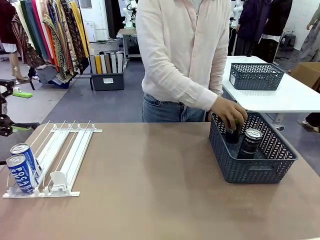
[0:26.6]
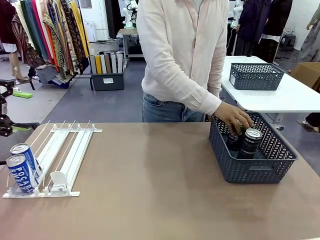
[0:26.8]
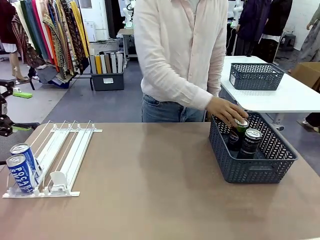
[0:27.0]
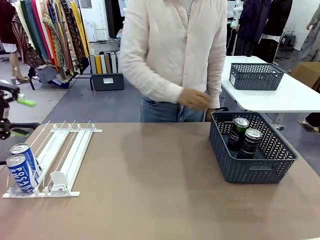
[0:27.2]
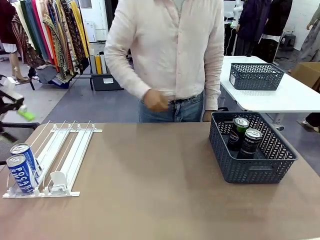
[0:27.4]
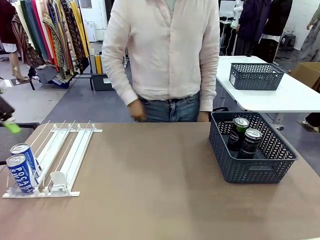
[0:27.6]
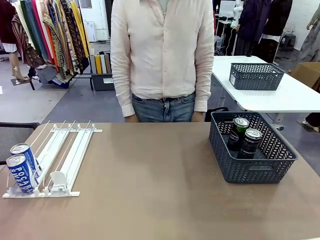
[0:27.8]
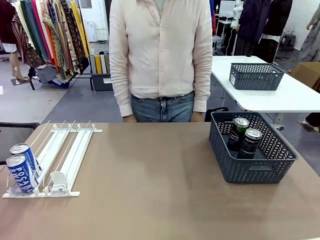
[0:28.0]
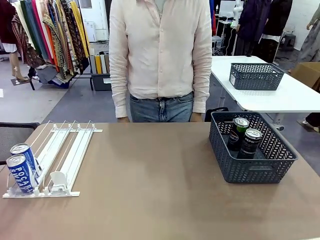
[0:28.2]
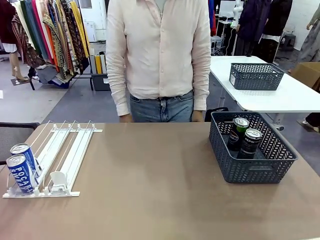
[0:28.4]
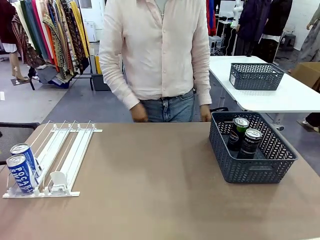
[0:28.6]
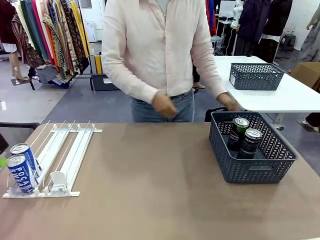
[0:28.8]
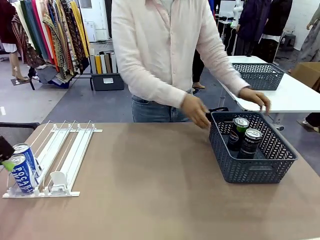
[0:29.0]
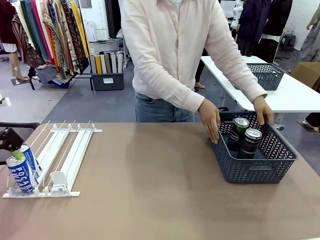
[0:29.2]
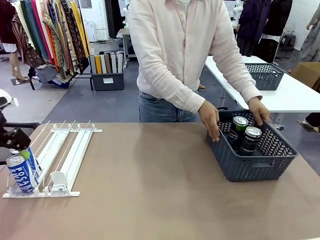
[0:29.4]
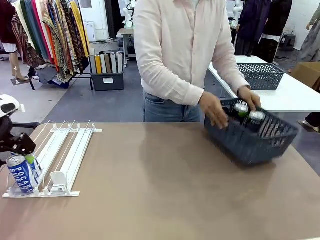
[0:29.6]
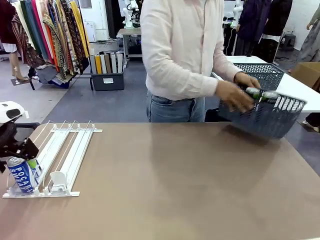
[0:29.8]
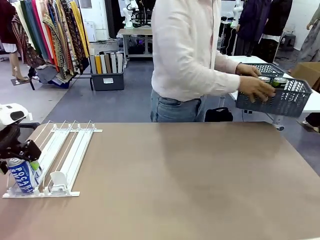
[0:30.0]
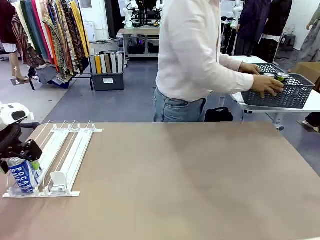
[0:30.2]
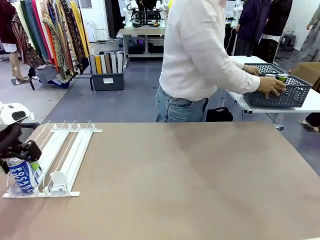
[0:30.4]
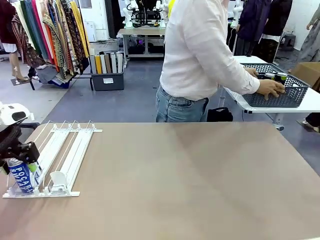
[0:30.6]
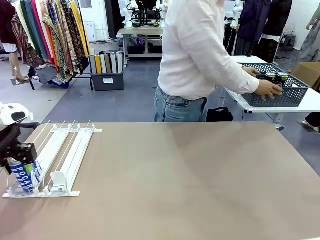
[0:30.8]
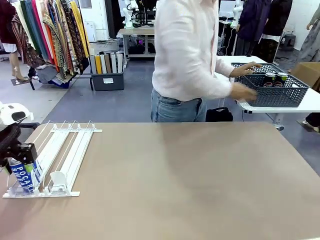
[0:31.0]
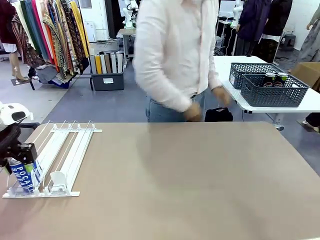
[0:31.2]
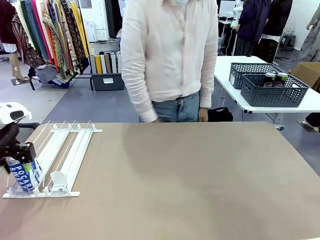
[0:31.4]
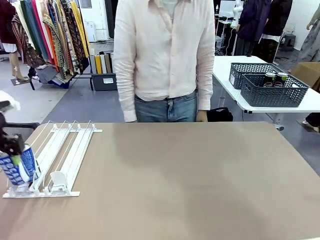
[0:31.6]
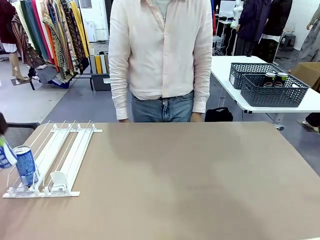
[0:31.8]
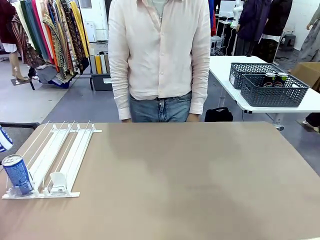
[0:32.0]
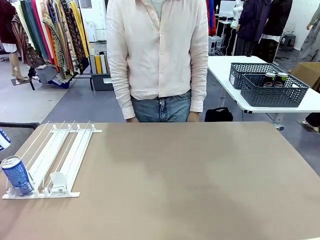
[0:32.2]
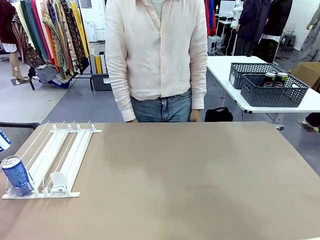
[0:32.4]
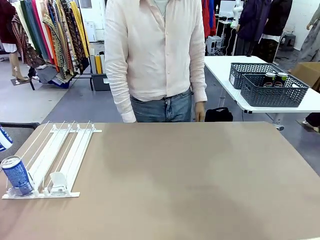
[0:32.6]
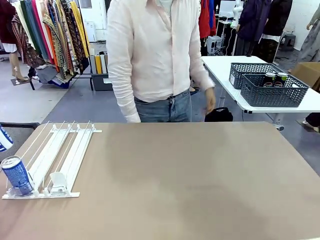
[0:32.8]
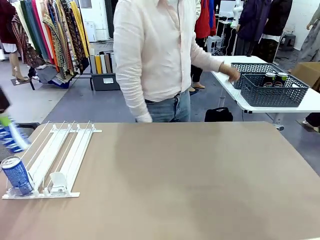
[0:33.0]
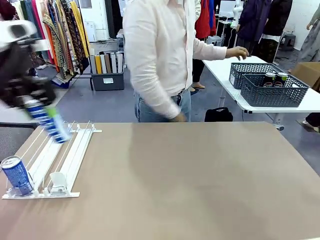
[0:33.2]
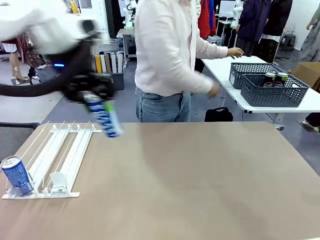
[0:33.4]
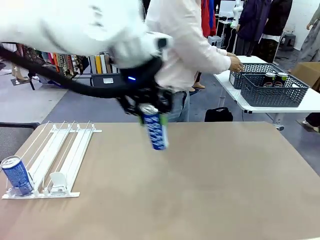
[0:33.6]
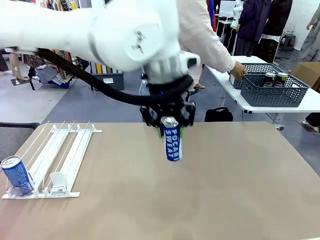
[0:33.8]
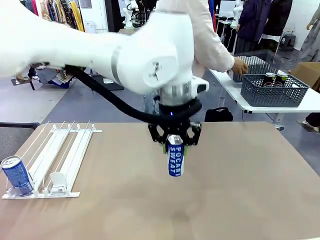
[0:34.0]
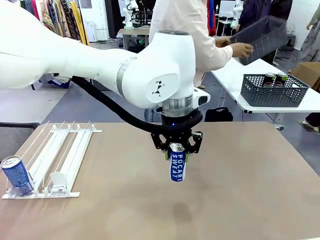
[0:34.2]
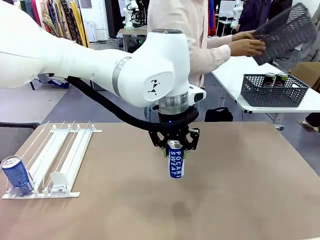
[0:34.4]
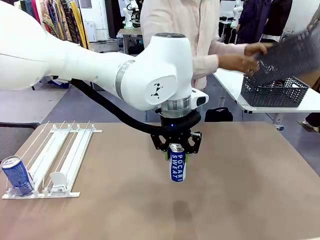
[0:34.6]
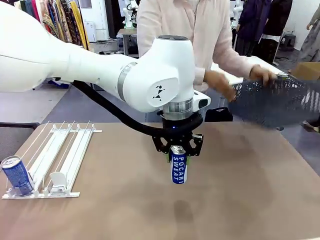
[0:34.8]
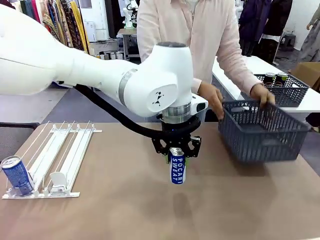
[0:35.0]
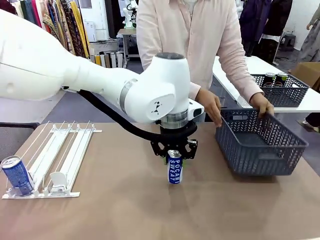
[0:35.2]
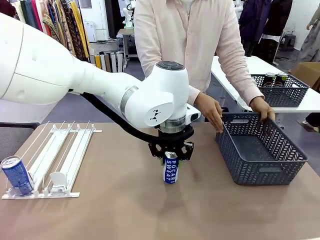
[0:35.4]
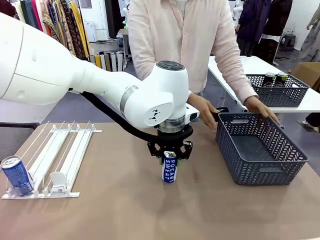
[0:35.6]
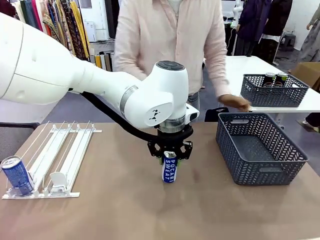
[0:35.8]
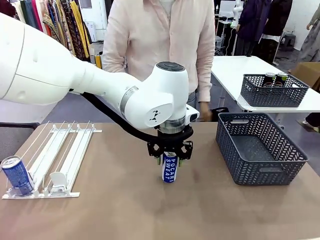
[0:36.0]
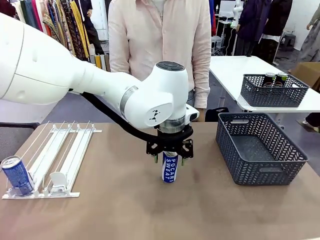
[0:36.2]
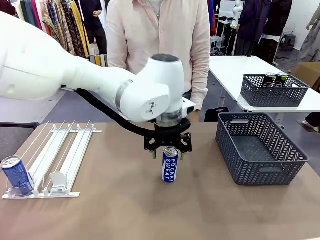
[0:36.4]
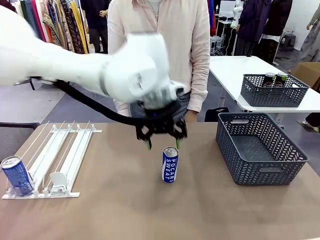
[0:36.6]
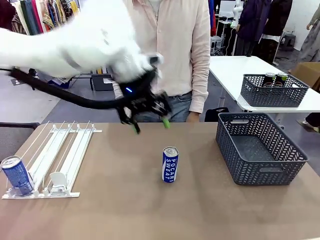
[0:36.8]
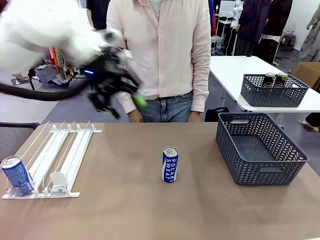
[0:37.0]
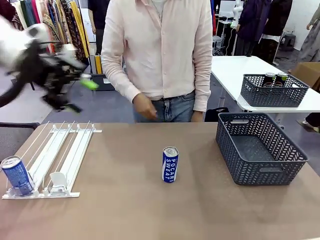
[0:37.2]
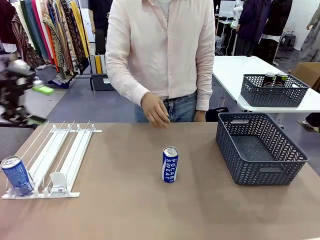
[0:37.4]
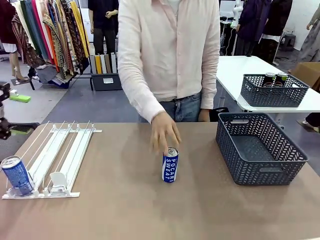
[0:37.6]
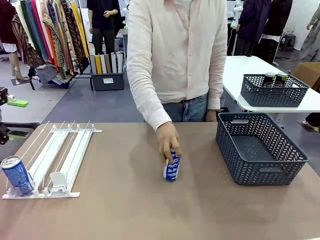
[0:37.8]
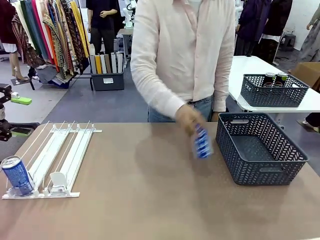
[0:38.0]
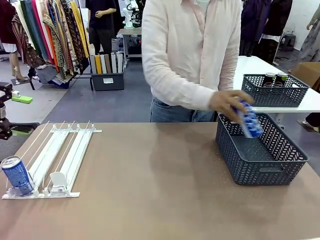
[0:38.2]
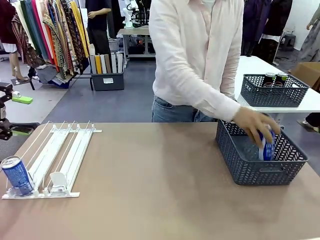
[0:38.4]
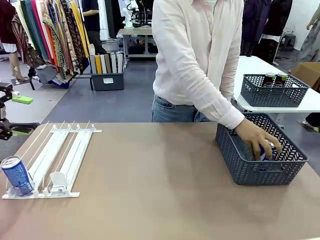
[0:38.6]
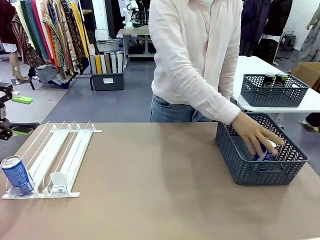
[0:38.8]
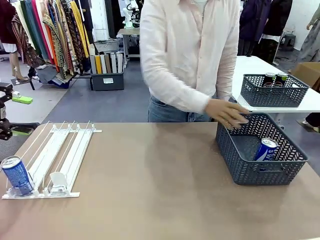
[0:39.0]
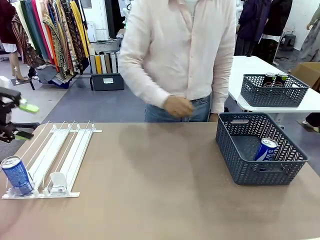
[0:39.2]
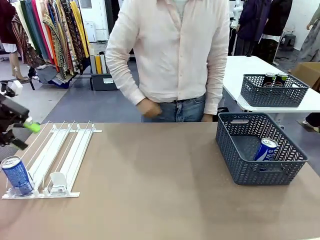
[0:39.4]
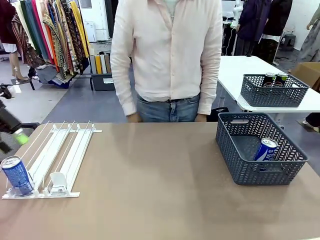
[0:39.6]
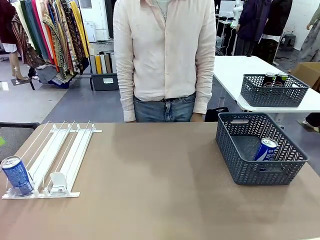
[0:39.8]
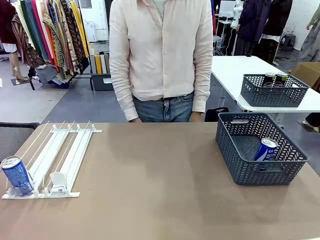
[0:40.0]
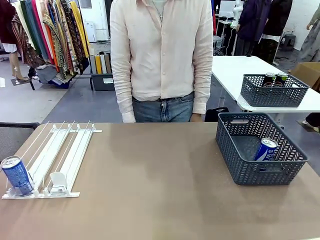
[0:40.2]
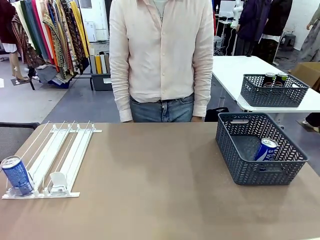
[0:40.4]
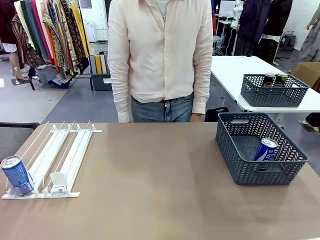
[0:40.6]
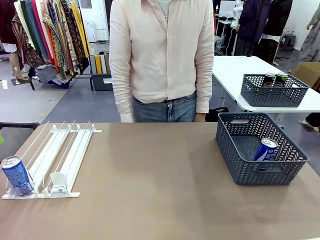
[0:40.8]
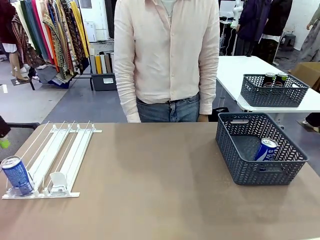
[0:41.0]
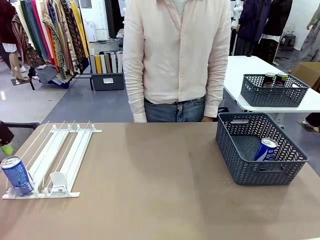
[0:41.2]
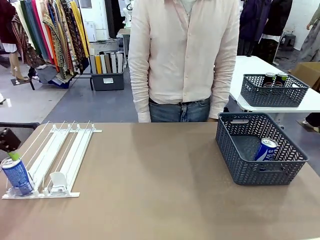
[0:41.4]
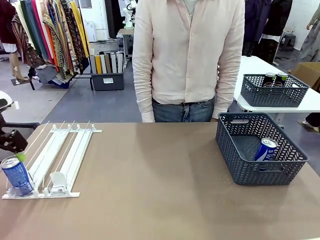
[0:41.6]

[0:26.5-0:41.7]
Task: Retrieve and store the cans from the dispenser.
Robot: Pick up one can from the Automatic Can Dispenser and place it in the middle of the table.
Person: Pick up the basket and place it in the middle of the human table. Pick up the empty basket and place it on the left side of the robot table.
